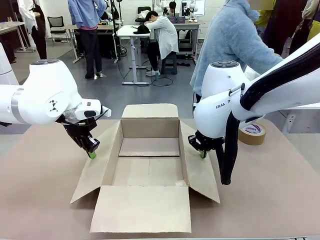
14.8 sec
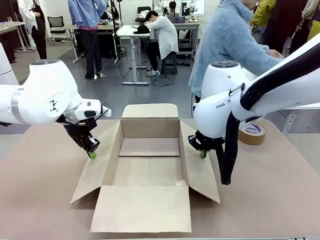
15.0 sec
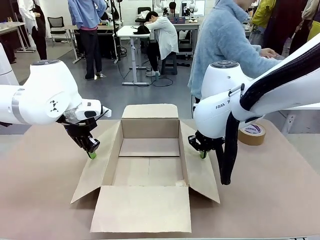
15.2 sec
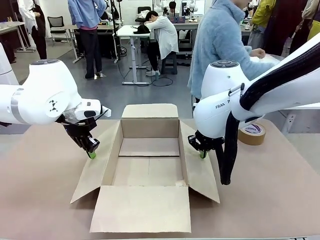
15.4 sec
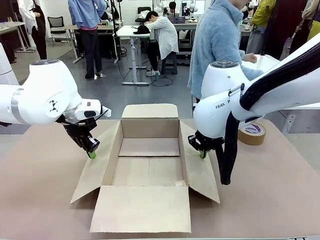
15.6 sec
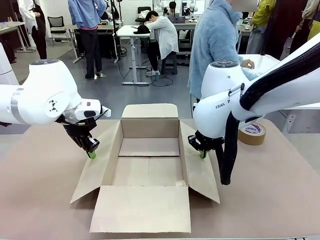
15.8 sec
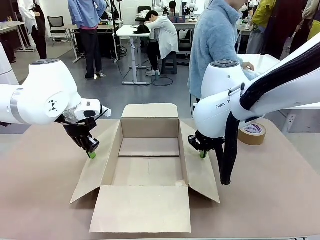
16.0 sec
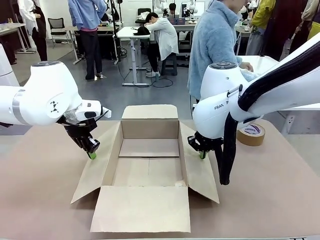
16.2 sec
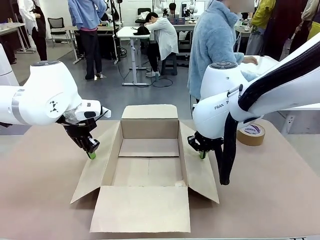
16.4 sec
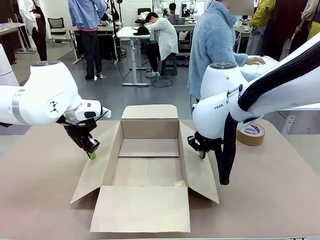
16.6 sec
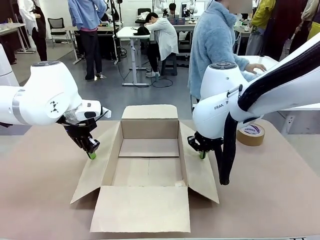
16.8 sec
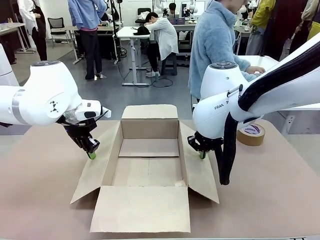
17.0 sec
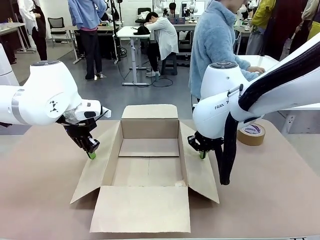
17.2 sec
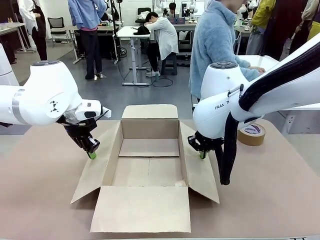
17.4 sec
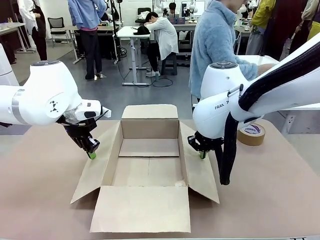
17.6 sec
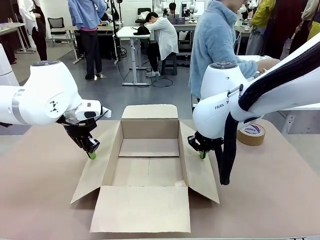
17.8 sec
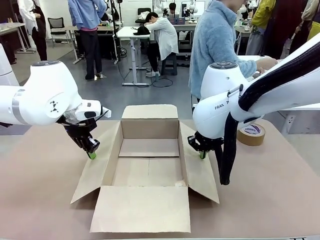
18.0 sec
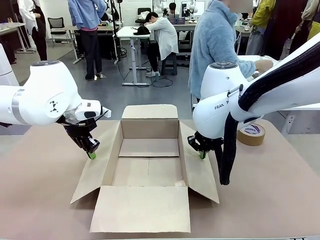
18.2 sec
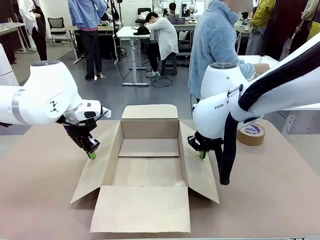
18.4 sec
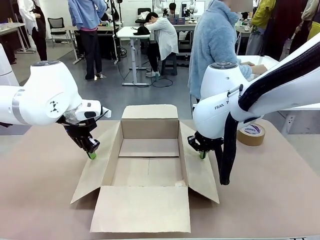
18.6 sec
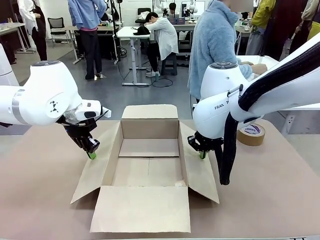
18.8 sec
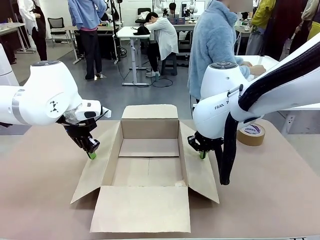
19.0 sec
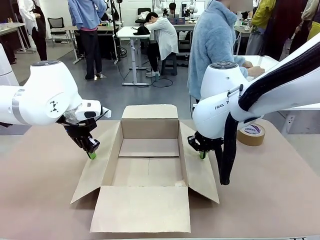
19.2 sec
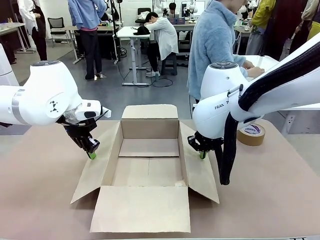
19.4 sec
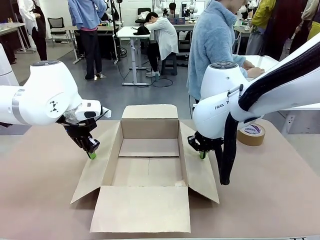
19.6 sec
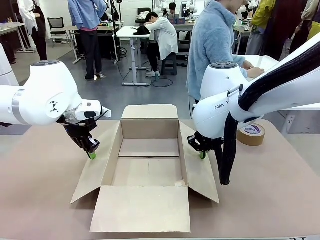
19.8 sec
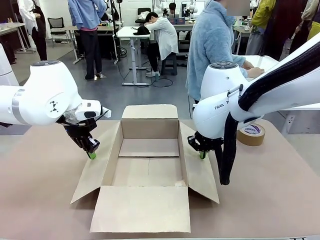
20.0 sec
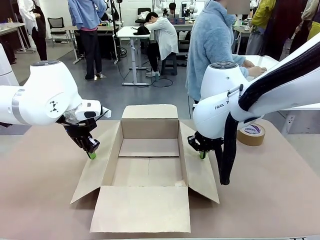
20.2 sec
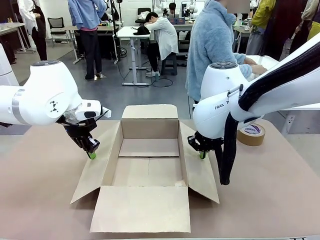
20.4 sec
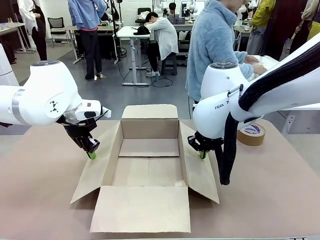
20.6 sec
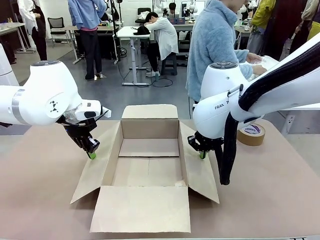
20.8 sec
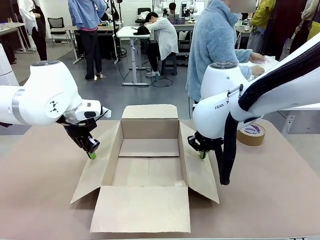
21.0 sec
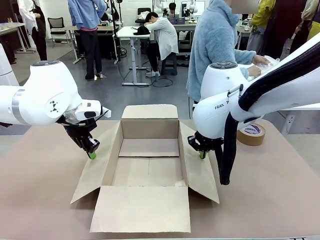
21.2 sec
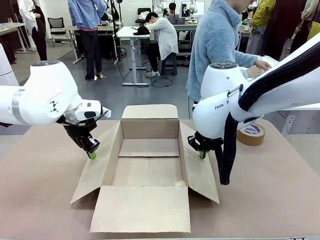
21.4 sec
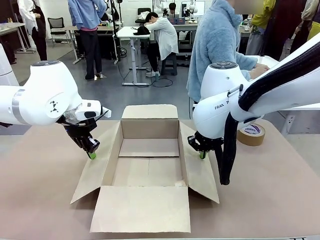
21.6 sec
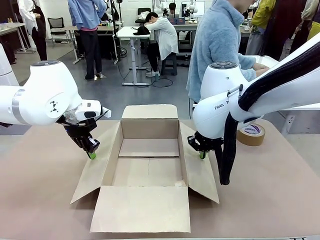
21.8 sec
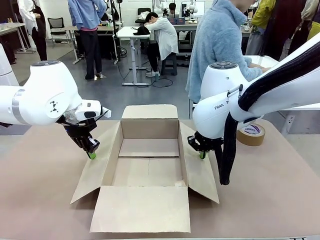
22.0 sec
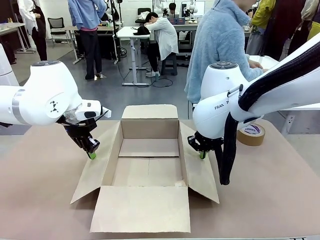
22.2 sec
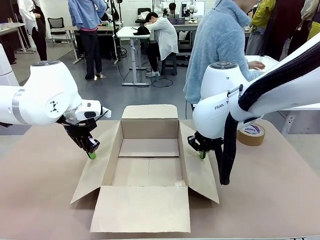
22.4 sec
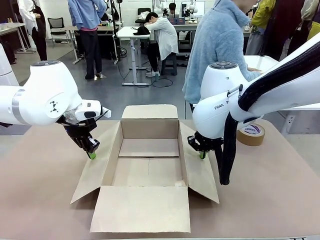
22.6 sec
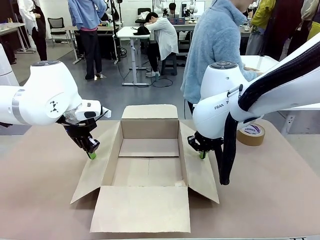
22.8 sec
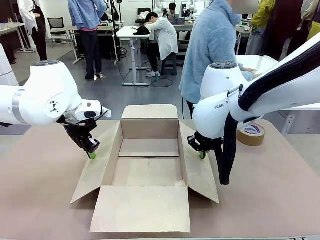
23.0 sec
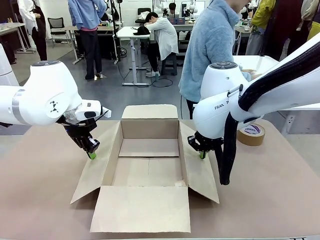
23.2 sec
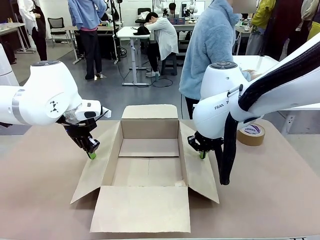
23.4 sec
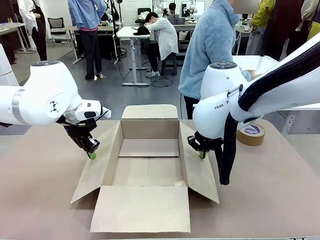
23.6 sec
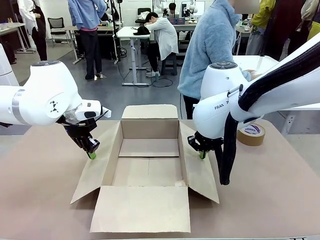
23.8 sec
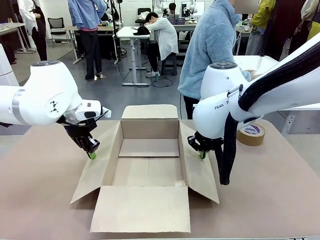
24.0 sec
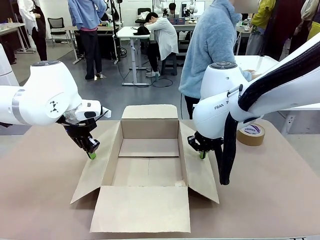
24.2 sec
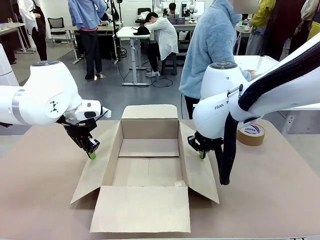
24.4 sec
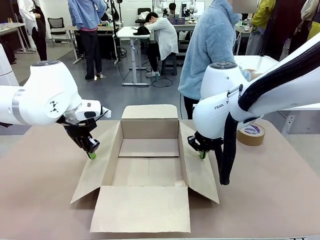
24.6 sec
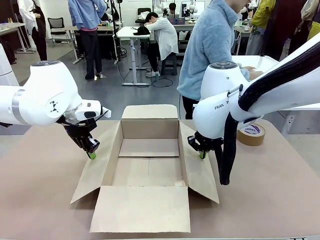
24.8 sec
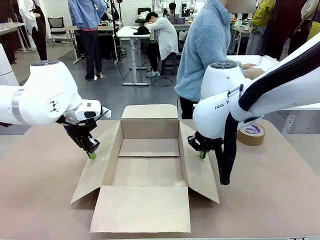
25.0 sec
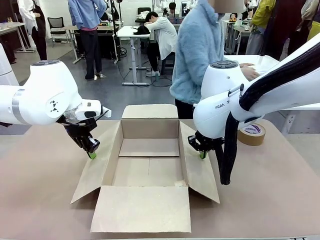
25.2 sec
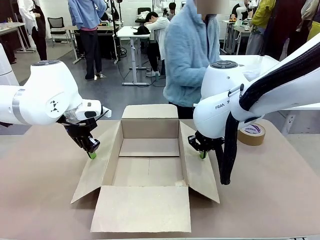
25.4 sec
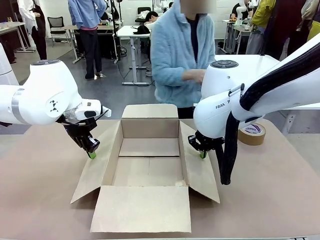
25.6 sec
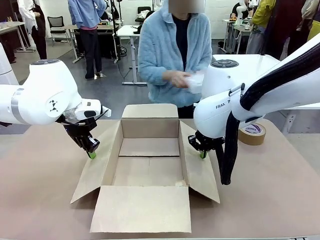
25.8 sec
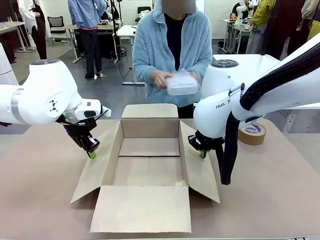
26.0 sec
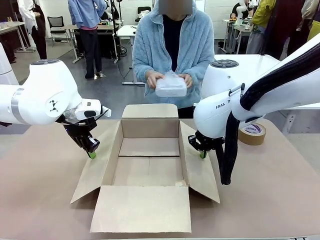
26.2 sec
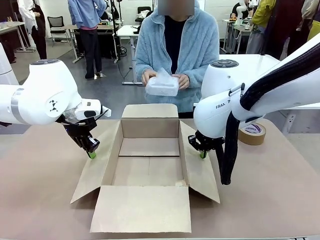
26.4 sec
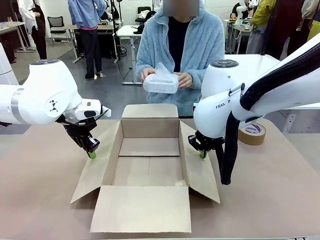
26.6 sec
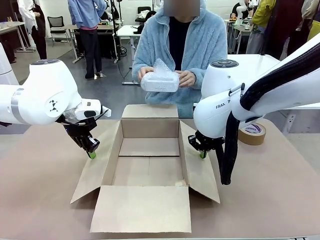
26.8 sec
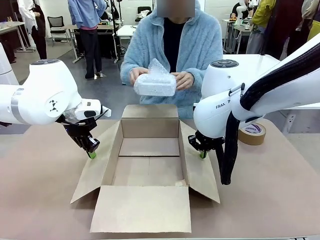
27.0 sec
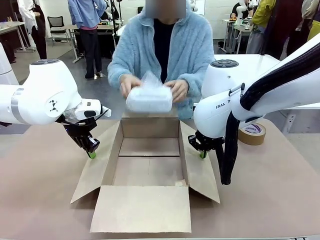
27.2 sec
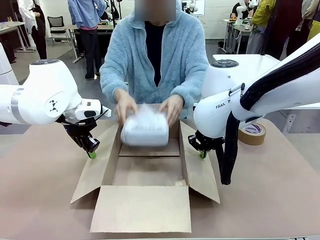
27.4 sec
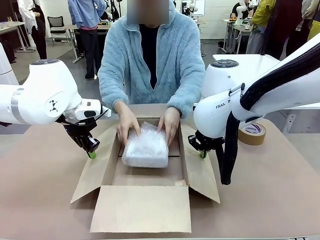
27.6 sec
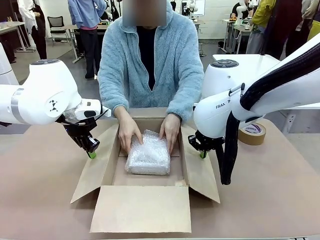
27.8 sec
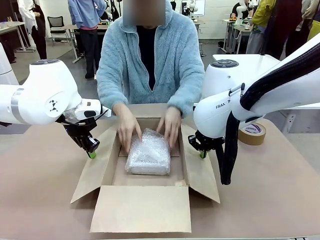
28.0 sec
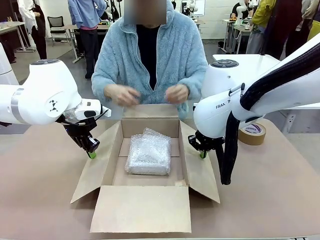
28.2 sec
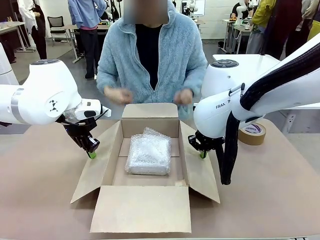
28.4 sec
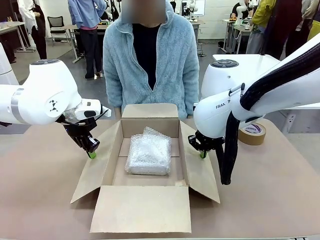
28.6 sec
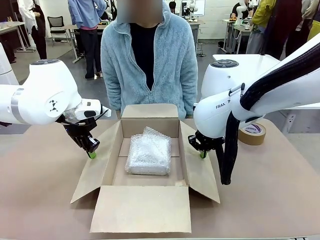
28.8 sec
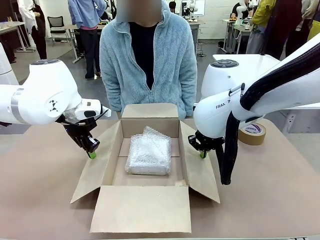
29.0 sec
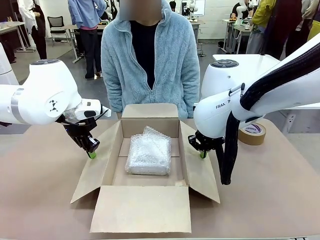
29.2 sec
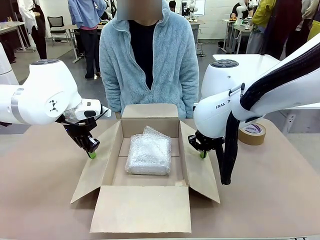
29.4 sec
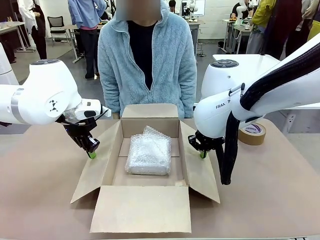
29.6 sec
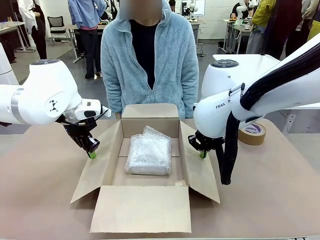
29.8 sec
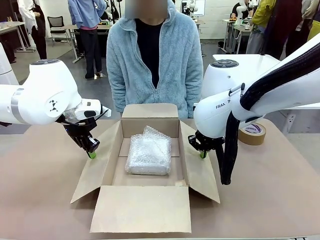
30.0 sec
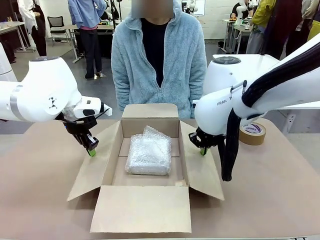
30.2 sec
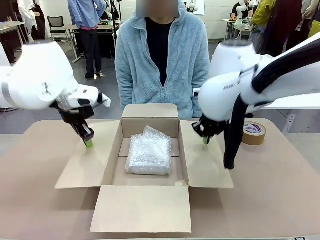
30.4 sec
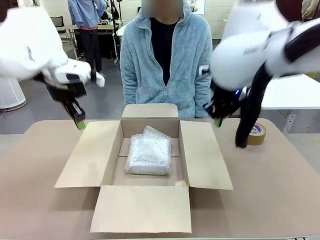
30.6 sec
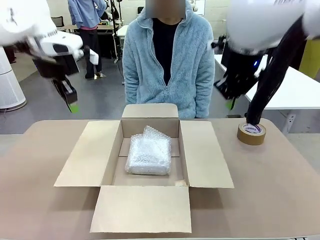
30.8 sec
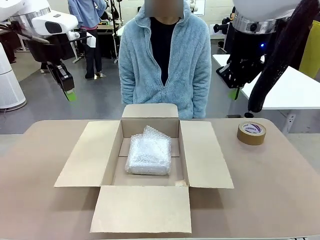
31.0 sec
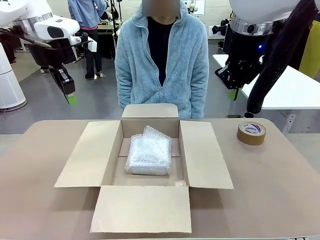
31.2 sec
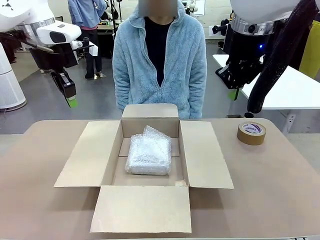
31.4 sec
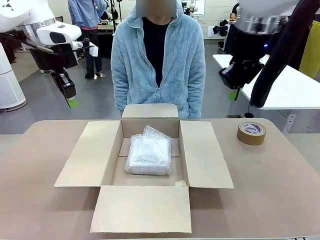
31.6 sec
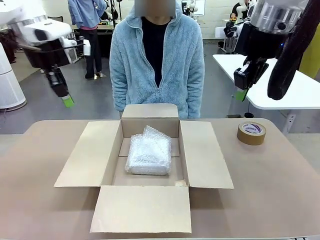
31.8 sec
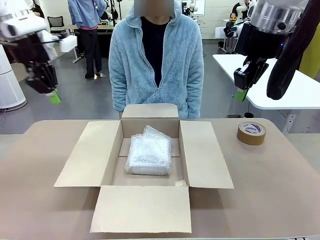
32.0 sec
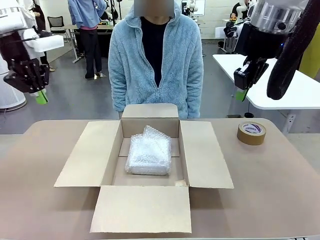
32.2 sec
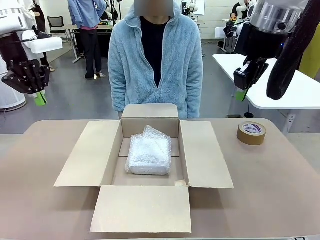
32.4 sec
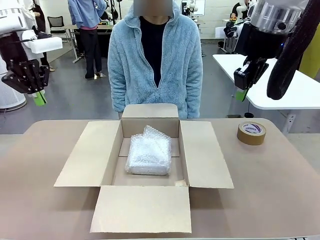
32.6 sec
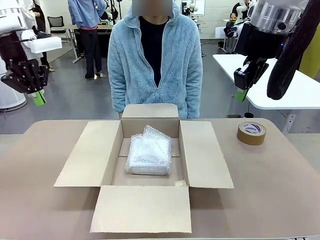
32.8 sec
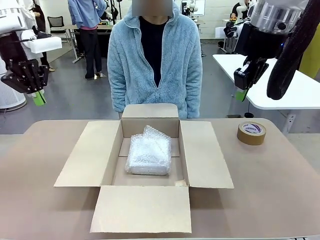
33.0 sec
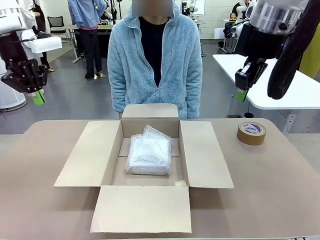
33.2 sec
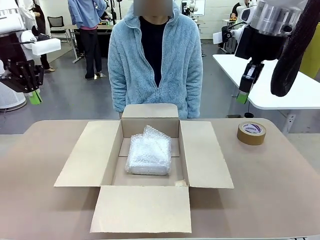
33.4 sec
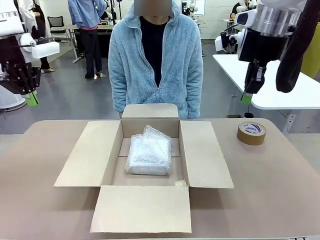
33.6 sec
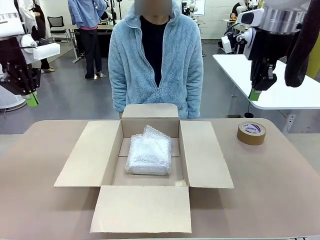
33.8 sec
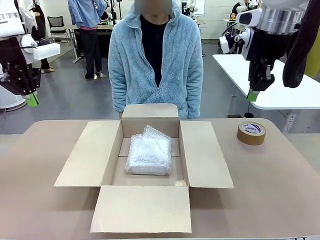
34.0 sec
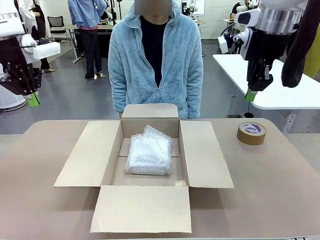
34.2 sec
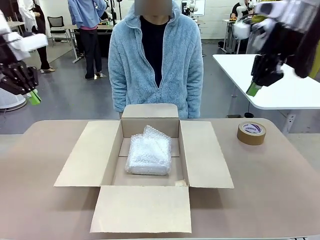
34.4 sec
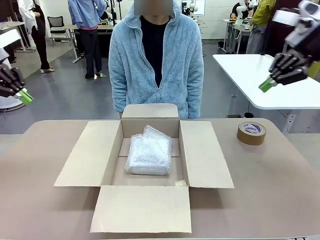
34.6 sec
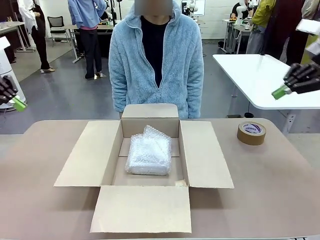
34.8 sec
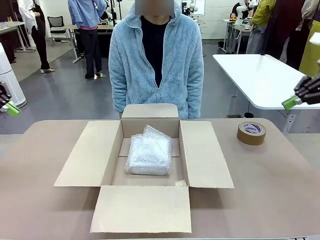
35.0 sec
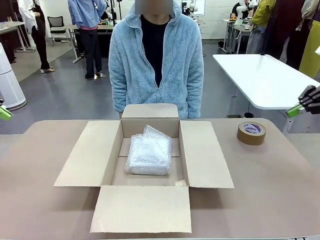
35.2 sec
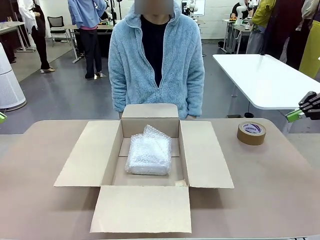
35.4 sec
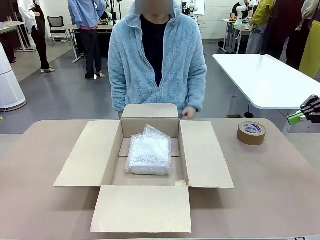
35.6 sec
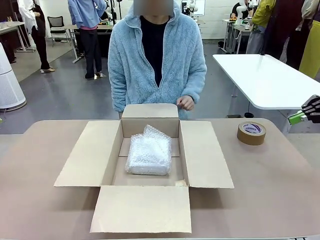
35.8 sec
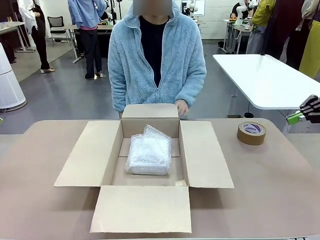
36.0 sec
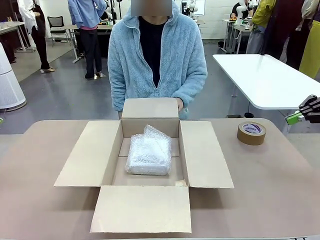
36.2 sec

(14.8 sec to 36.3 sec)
Task: Wrap the clocks to prevent damage.
Robot: Once the human has placed the objects inside and stepped back, release both hands from the side flaps of the Package Box.
Person: Place the wrapped Digital clocks inside the Package Box. Hold the top and bottom flaps of the Package Box closed with your left (or right) hand.
